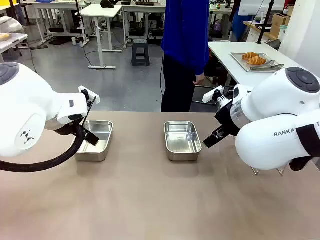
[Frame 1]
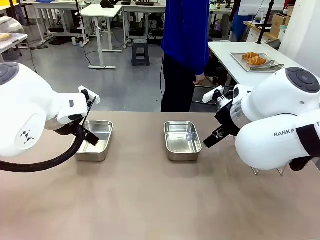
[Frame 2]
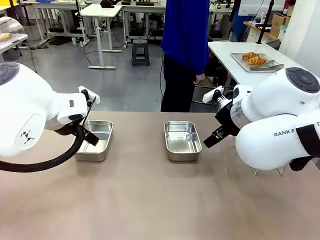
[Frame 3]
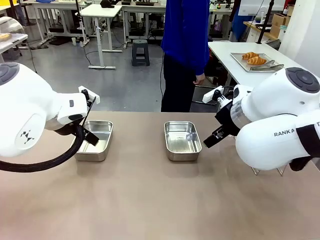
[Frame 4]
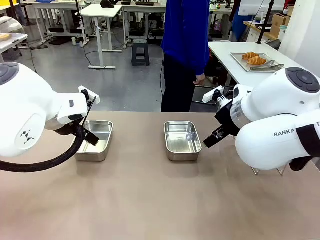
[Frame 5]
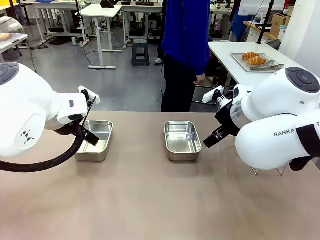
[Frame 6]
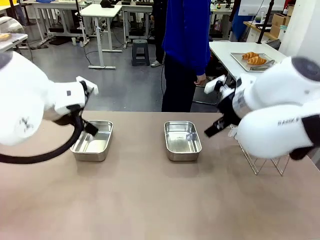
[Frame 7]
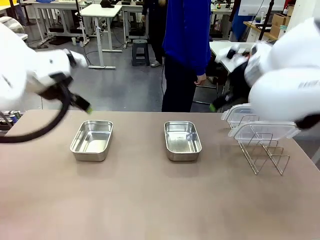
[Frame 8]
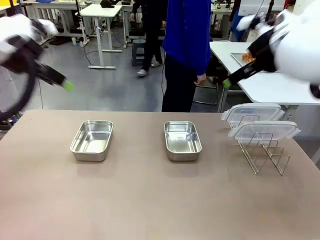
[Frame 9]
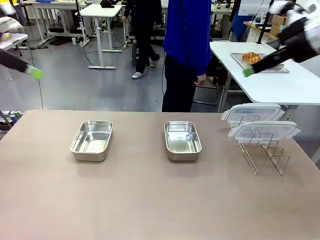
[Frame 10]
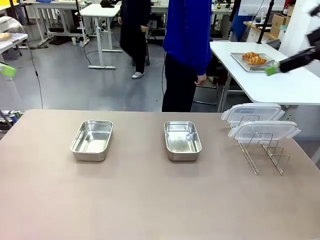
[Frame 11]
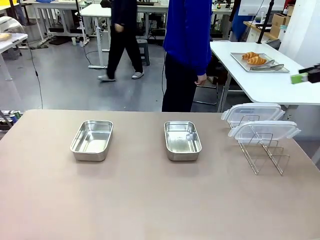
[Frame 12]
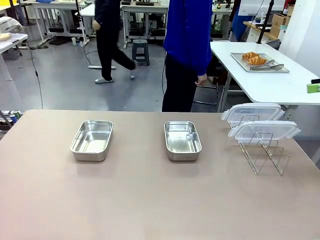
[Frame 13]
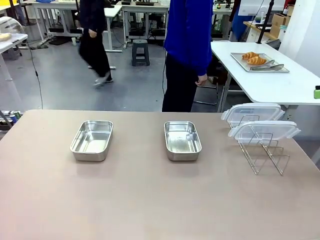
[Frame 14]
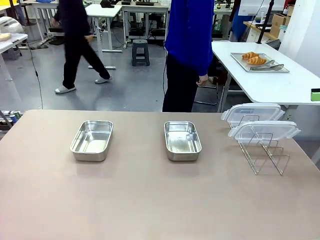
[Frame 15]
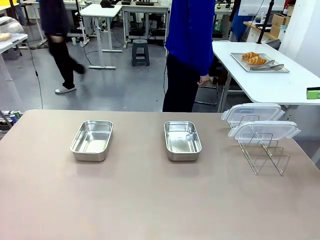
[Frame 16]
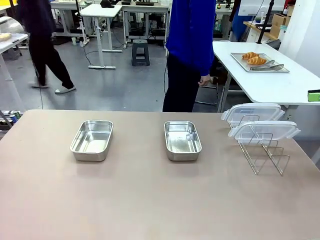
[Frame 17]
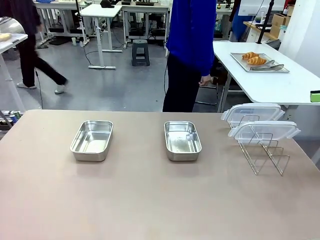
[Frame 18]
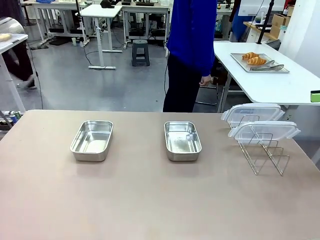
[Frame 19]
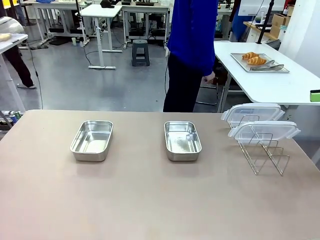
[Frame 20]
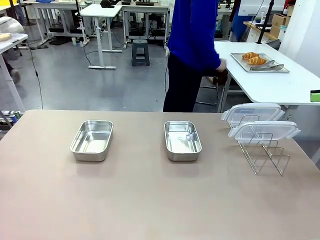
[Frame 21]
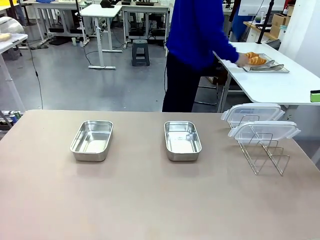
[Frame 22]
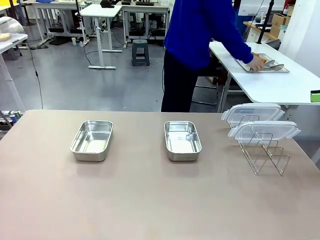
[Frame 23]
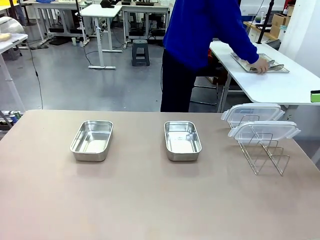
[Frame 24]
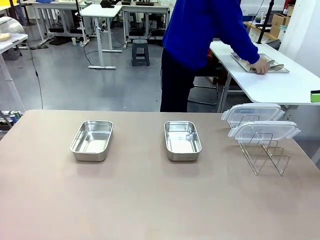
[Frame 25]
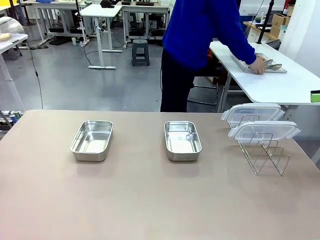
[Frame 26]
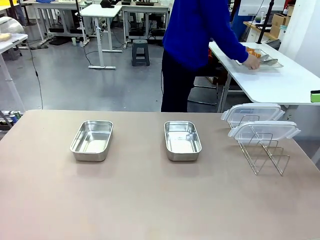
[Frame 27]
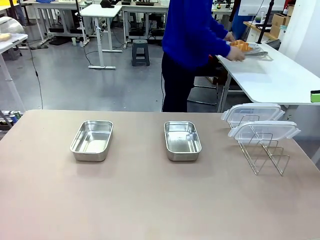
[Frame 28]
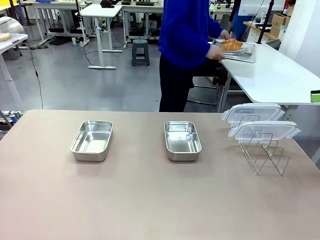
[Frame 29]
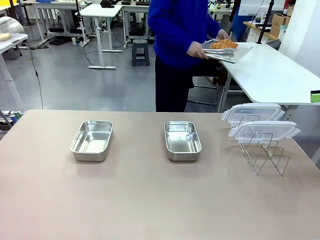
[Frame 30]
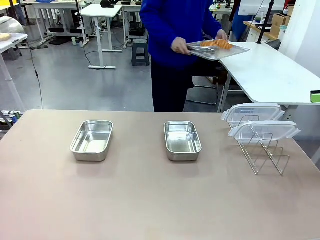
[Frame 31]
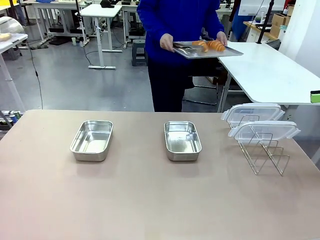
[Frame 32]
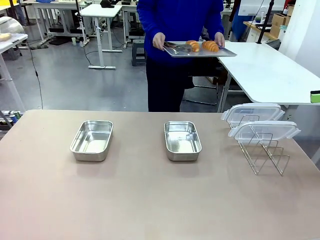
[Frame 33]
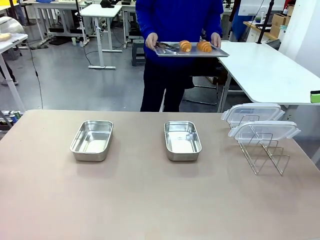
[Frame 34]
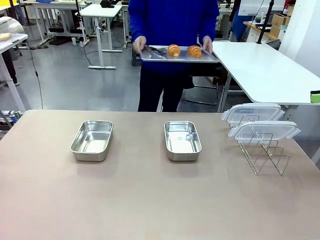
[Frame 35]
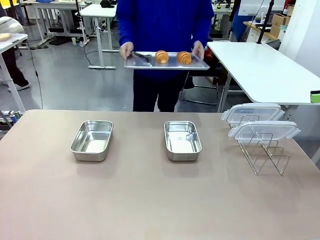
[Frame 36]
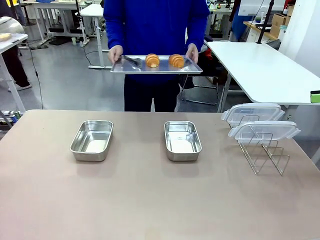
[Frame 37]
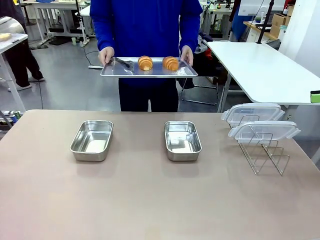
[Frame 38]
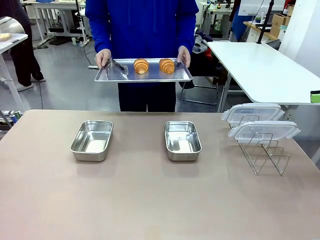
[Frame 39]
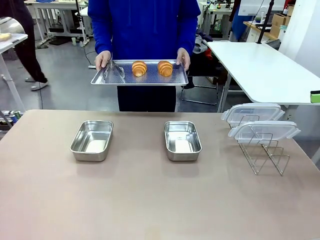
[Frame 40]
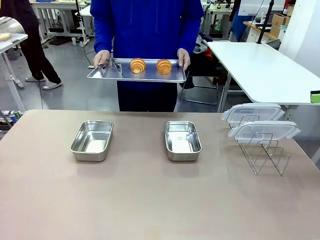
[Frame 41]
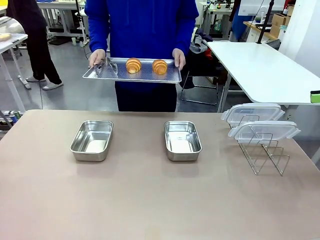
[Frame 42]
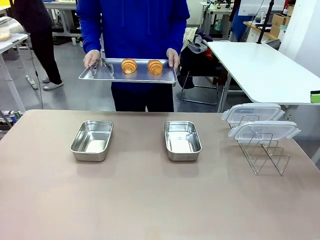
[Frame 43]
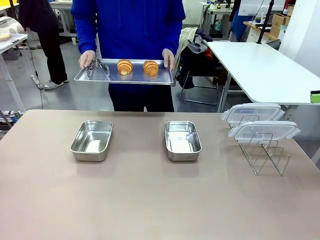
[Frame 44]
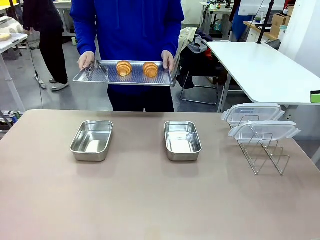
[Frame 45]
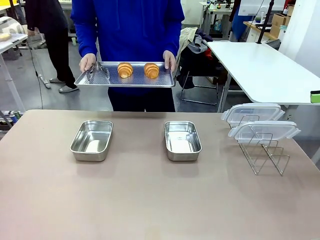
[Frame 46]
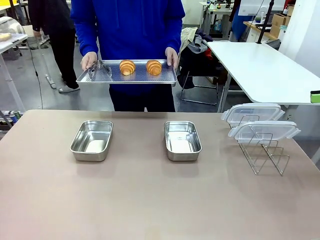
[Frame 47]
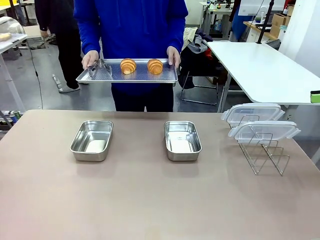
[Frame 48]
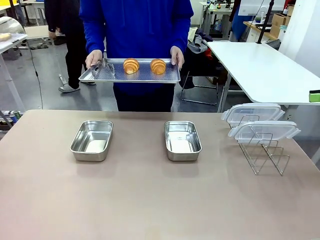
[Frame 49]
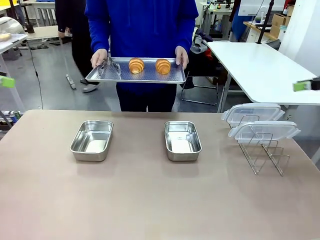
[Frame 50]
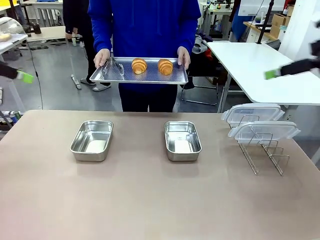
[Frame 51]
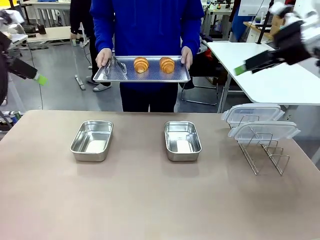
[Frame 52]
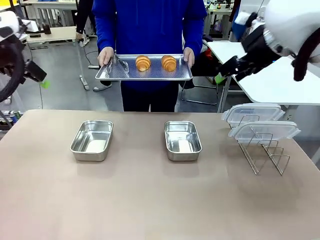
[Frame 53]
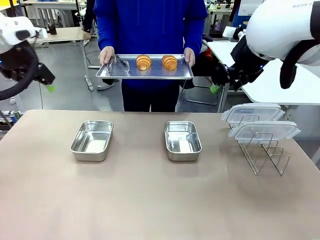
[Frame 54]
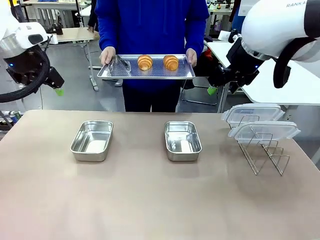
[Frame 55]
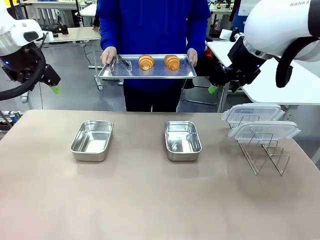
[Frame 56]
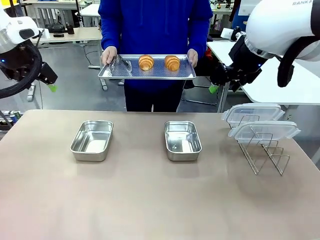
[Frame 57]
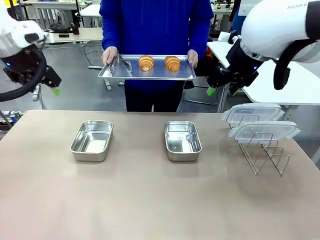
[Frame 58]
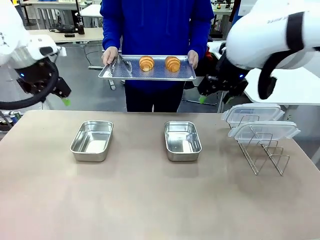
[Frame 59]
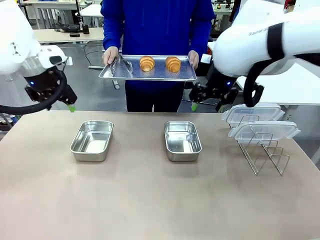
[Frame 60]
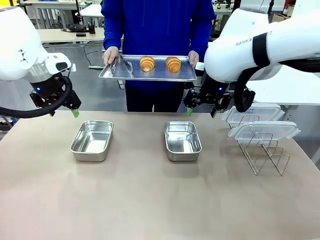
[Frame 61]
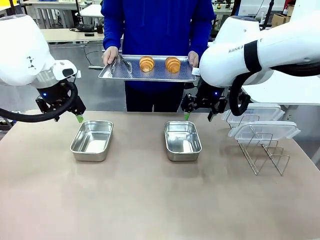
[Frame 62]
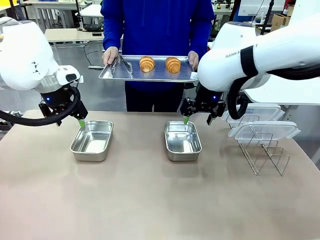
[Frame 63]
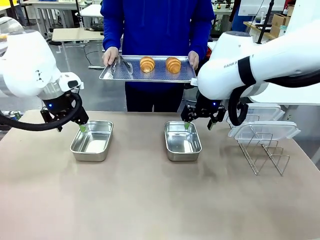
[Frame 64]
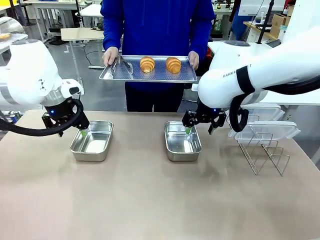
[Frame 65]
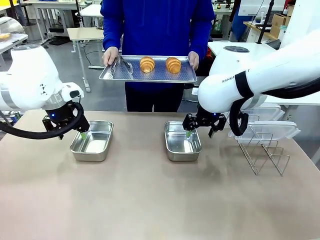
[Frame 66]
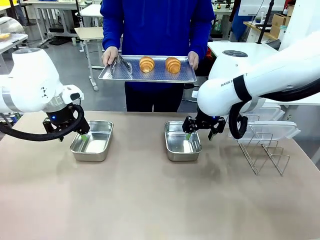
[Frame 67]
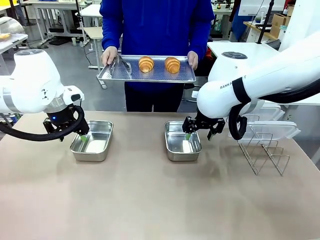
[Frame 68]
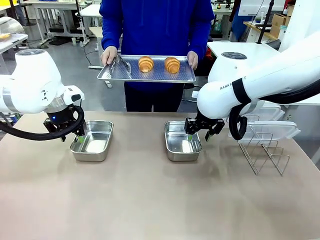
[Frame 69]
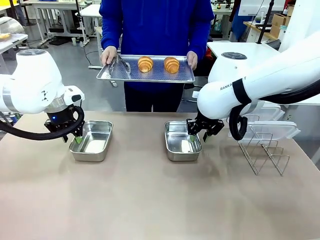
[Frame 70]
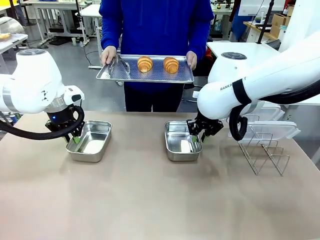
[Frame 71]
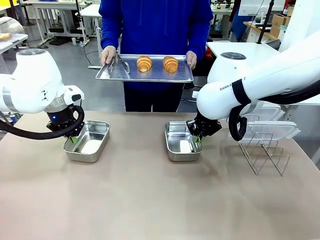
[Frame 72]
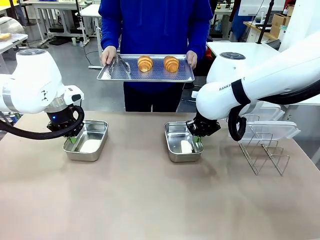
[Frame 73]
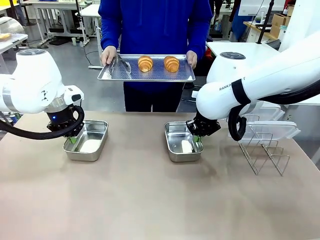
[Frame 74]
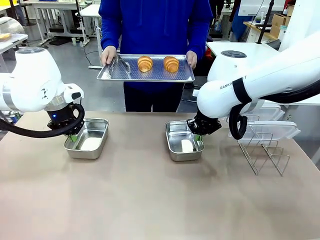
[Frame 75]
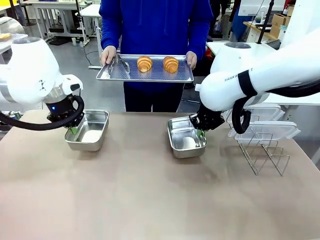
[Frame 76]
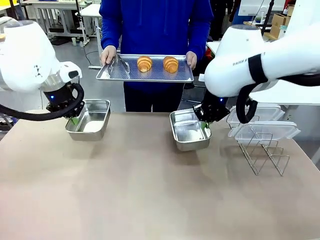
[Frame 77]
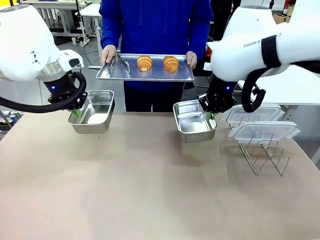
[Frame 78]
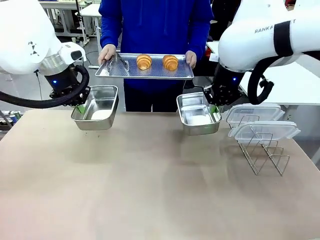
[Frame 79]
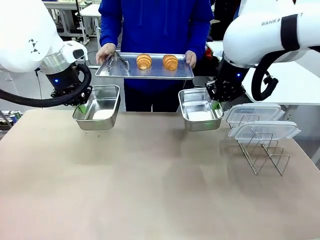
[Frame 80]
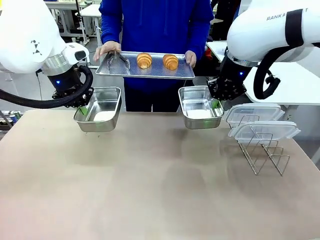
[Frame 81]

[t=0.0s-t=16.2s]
Task: Place the bread in airtight containers.
Robot: Lift both Airtight Container.
Person: Bring the Baking Sheet in front of Robot's Table.
